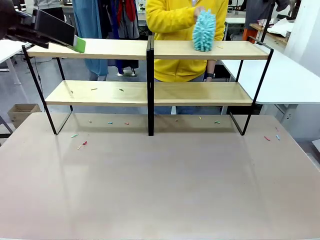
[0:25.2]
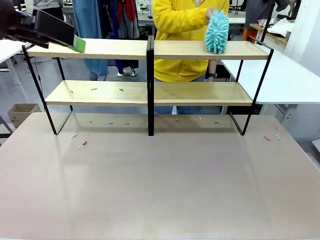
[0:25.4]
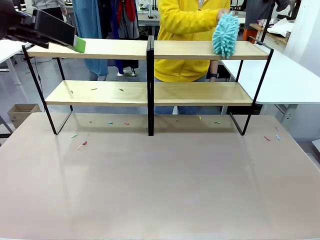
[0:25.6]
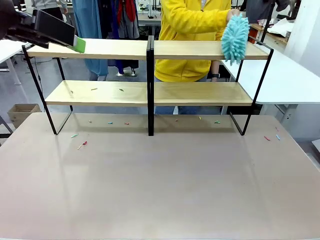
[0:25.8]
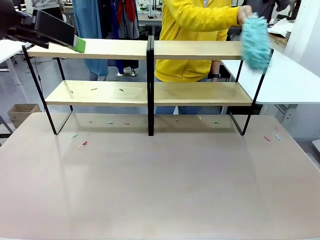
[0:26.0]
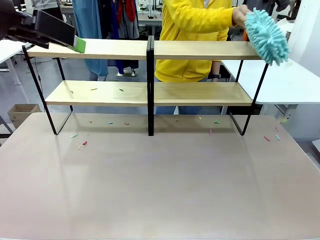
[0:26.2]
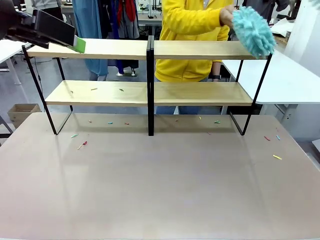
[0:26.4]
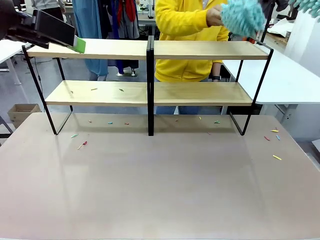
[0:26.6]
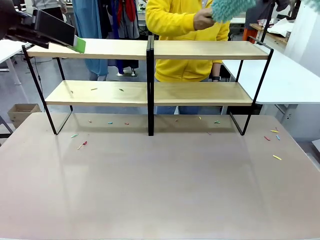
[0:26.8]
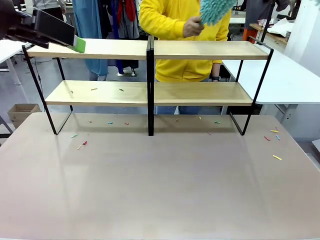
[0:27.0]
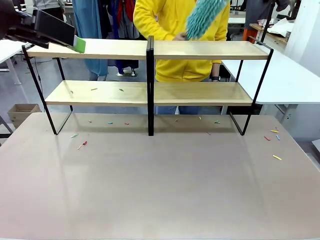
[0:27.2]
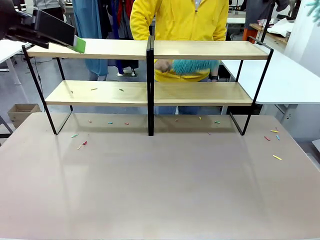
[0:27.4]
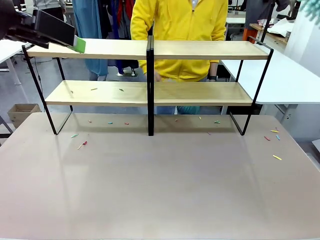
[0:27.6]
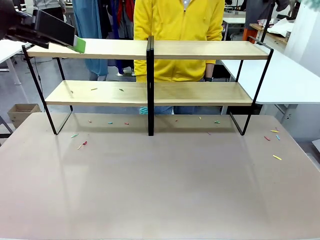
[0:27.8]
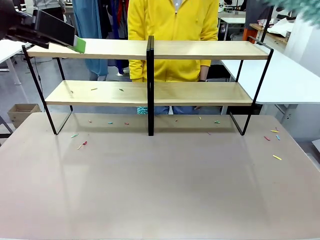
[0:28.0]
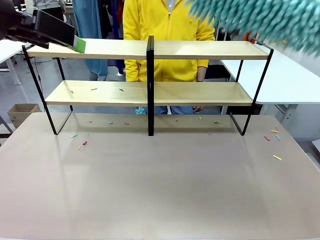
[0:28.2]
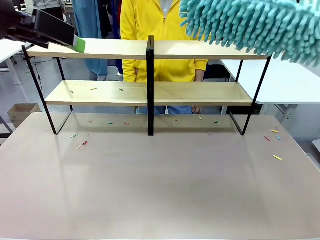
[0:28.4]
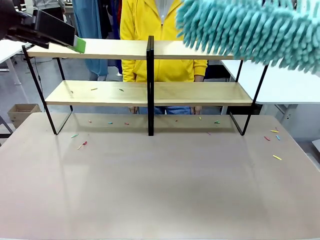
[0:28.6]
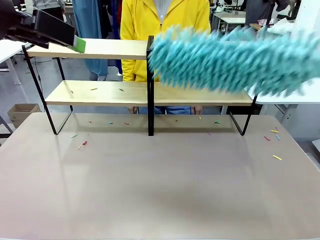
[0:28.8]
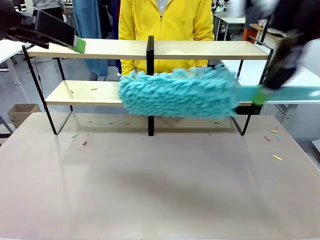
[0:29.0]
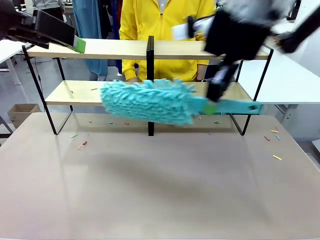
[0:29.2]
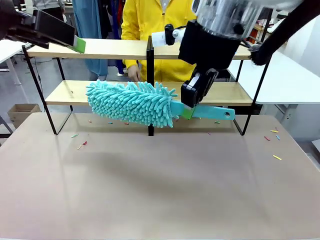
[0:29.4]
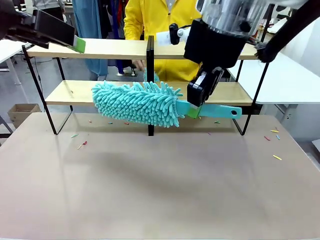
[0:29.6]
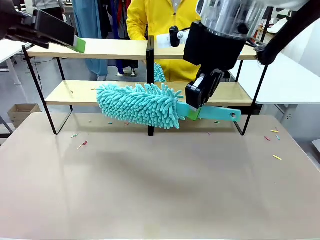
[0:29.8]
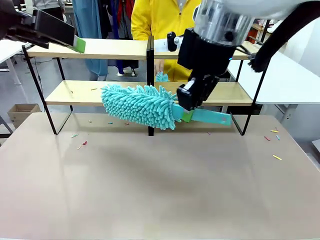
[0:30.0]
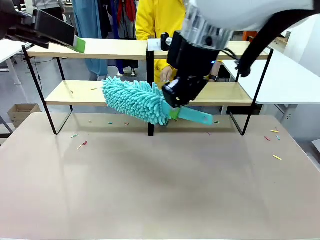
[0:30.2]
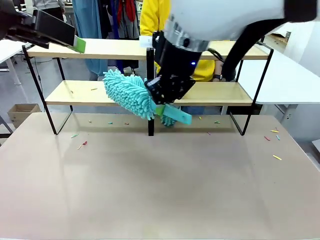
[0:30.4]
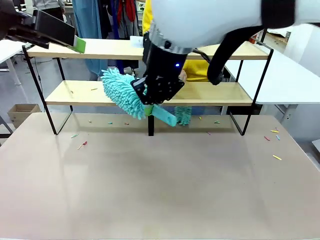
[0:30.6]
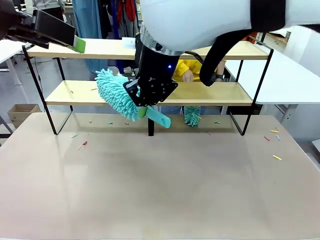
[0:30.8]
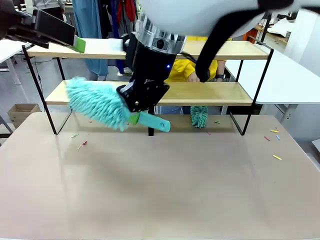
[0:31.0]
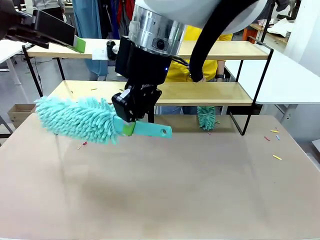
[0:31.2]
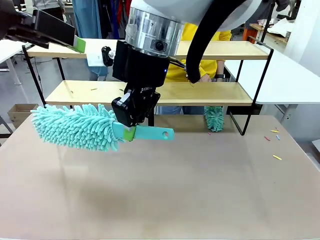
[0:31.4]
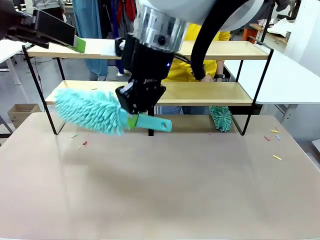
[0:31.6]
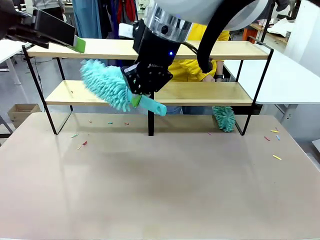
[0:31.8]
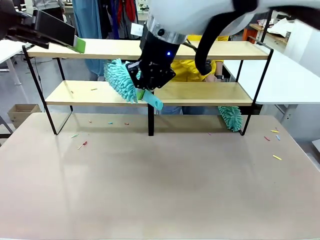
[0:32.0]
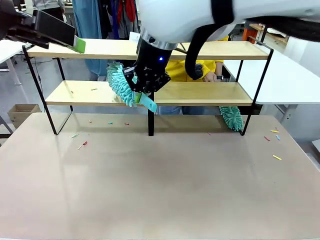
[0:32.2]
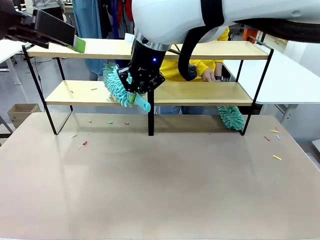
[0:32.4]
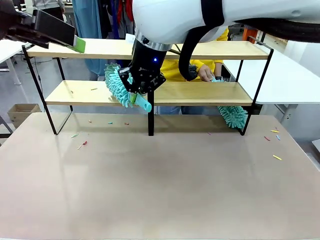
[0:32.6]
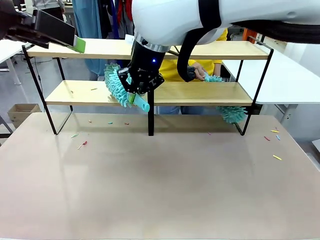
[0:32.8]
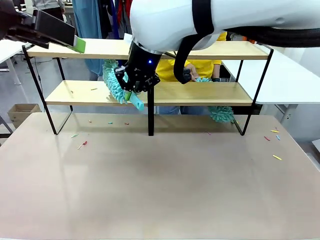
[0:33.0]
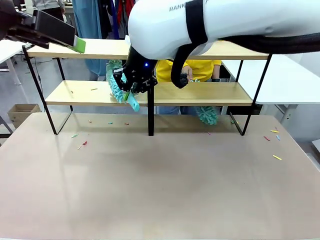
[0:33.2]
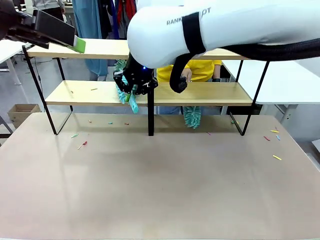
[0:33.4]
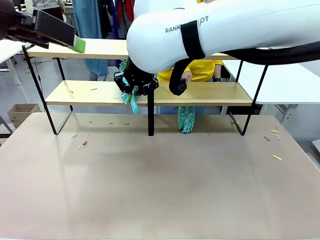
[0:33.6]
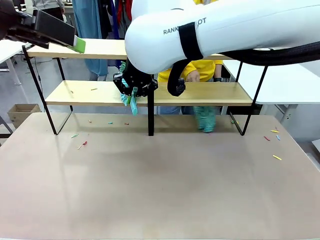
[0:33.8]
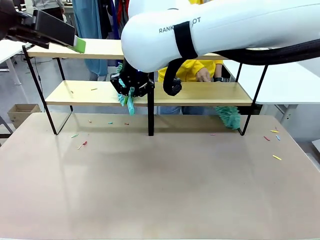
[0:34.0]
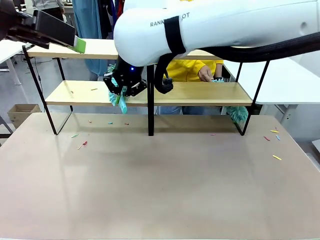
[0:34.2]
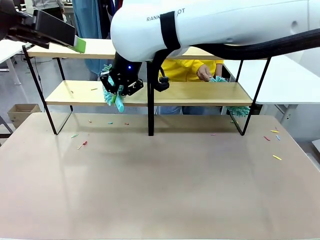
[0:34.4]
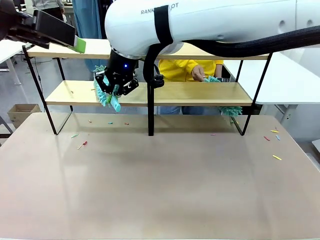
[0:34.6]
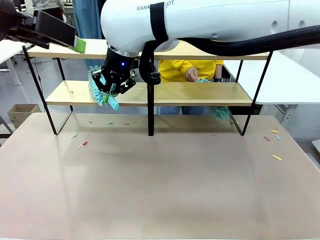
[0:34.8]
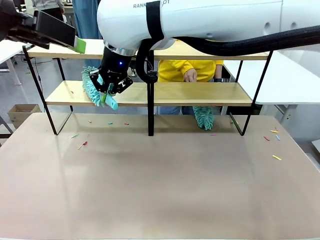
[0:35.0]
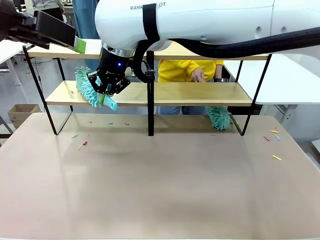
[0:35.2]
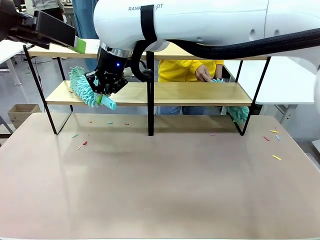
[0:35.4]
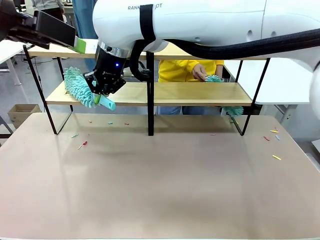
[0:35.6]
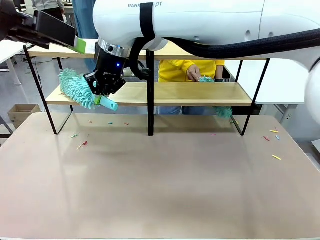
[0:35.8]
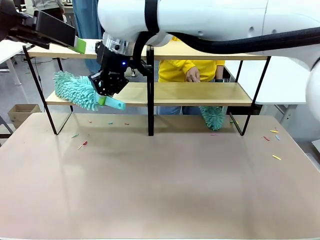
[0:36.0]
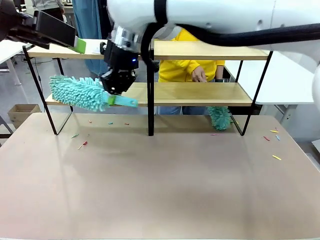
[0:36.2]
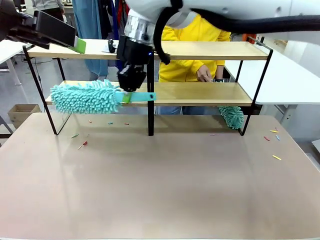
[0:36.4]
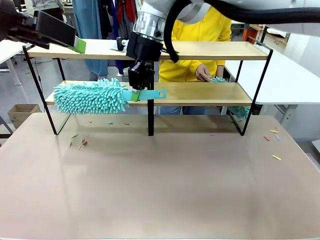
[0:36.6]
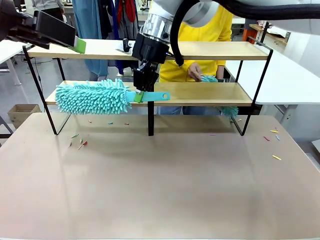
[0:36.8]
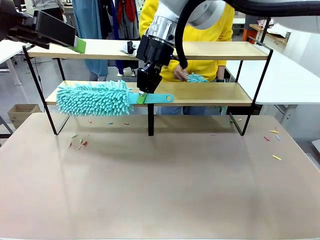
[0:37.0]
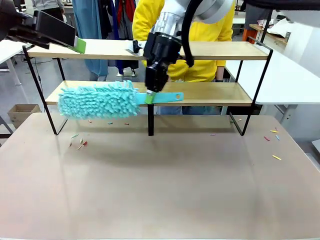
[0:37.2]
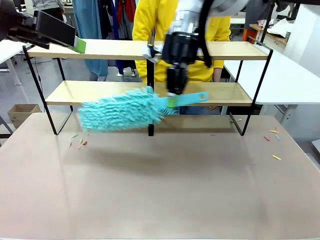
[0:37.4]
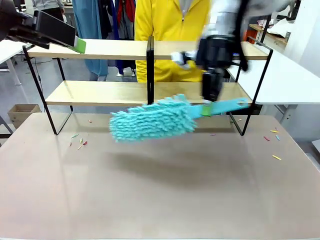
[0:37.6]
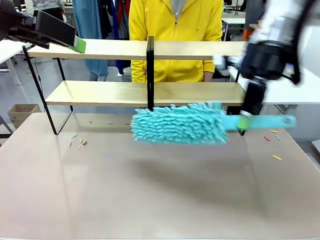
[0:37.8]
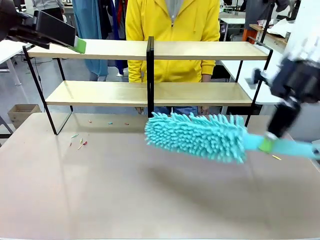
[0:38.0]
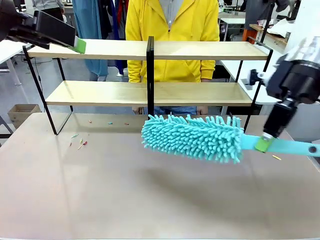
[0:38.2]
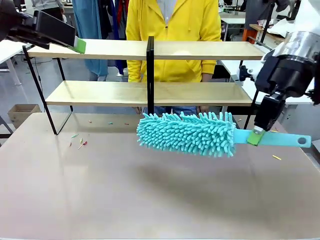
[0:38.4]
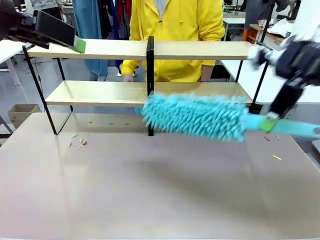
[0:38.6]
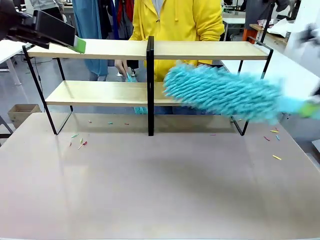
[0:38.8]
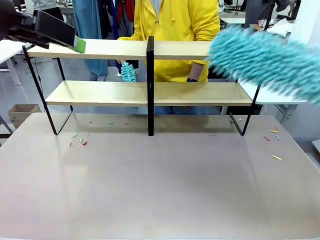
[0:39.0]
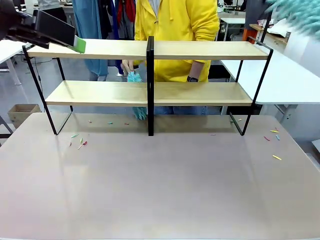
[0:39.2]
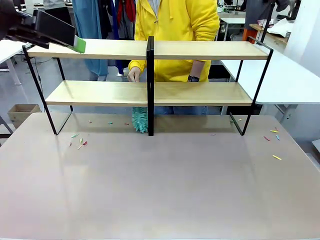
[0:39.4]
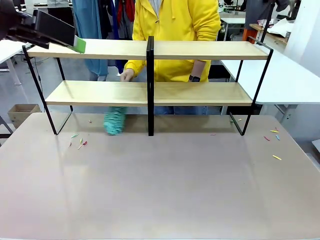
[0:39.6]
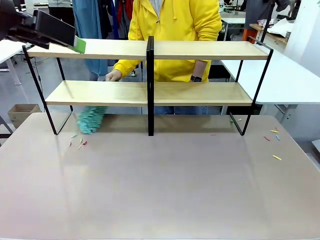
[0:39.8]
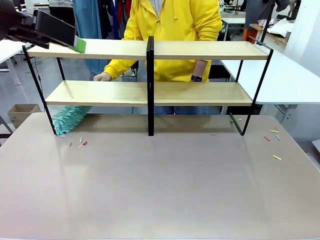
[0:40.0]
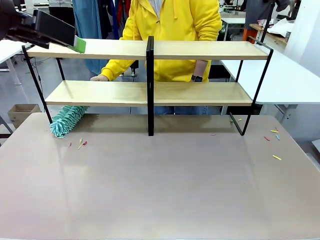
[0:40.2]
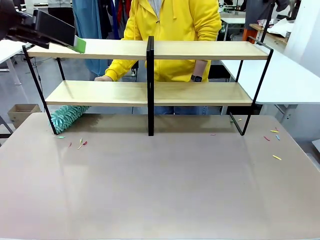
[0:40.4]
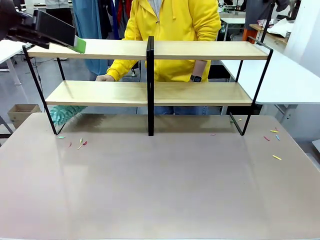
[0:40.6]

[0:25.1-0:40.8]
Task: Clean the shelves.
Robot: Clean another randomly selected level of the Shelf with the Duster.
Person: Clean a randomly selected level of the Shelf with the Duster.

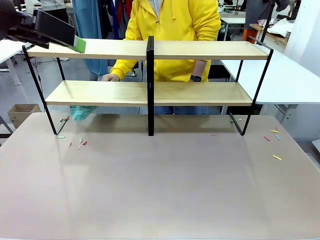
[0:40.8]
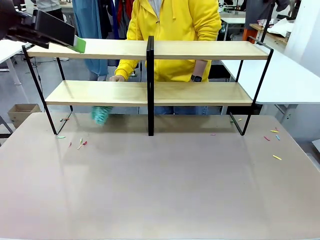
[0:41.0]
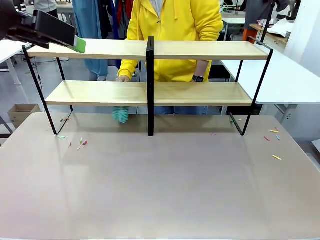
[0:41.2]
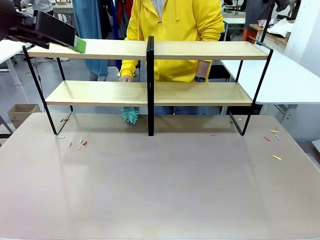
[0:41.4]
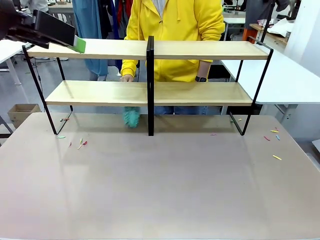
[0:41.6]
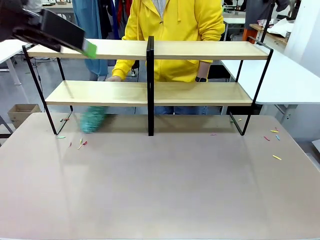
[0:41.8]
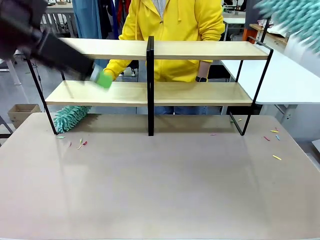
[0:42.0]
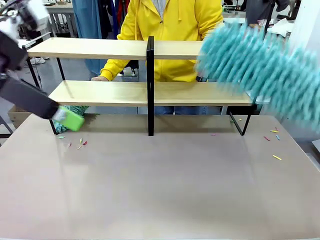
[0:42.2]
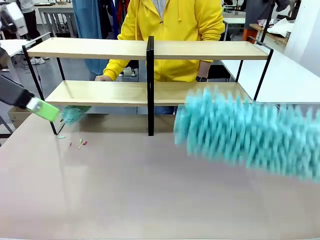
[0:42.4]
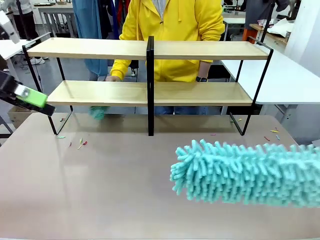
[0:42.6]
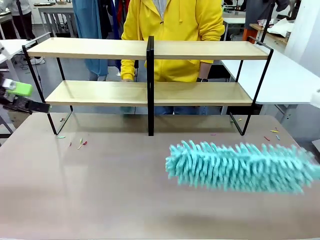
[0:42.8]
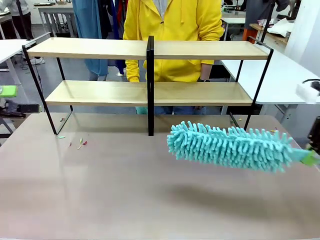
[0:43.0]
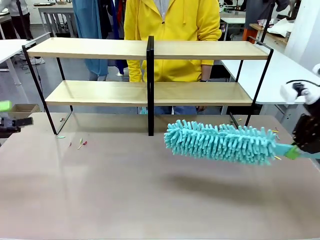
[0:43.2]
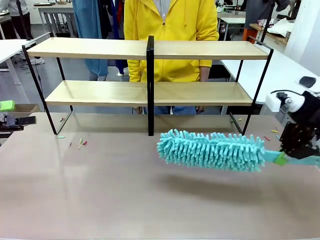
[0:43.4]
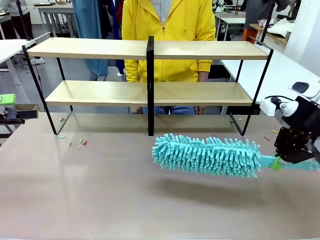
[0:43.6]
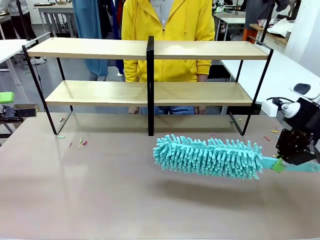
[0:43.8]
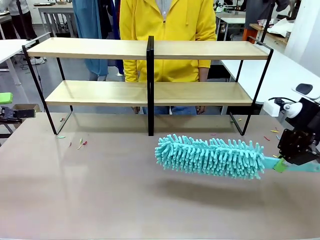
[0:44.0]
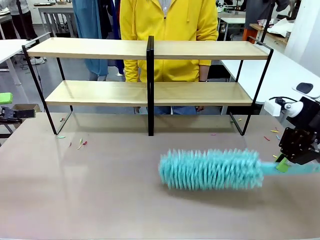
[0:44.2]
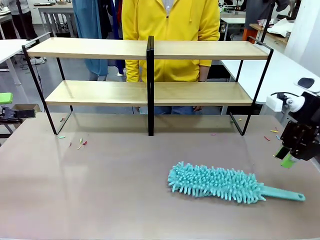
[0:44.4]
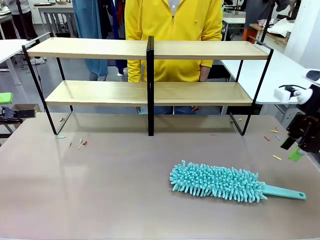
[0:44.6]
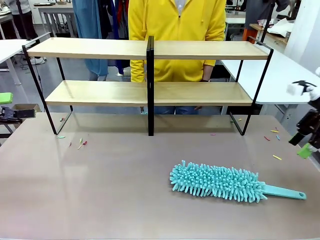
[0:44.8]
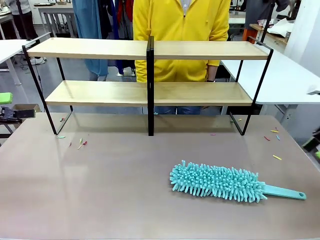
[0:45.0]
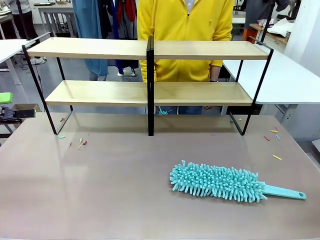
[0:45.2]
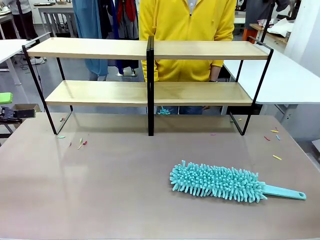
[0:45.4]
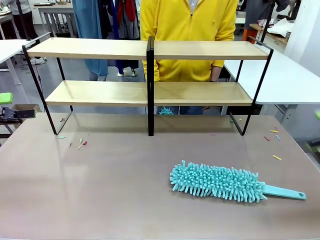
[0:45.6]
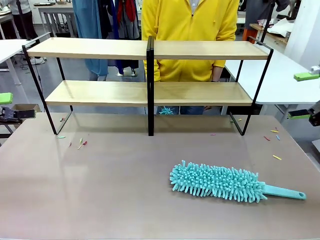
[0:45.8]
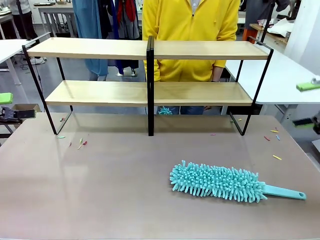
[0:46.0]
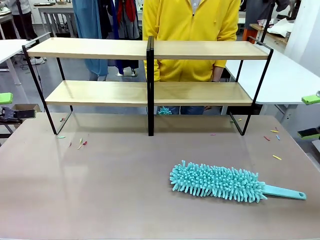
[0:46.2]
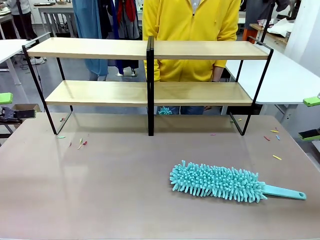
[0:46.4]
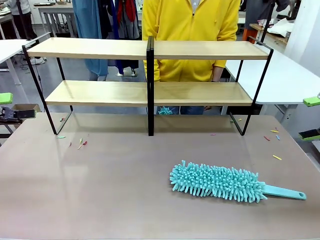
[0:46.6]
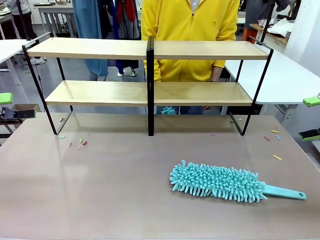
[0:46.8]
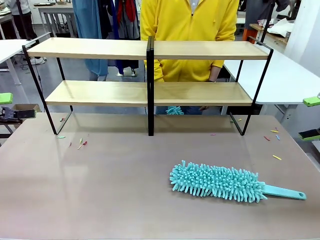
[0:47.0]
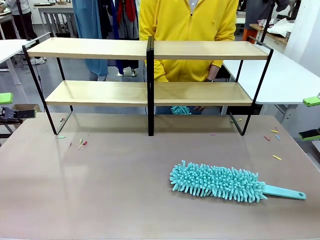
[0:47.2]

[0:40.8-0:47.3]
Robot: Place the Duster on the table.
